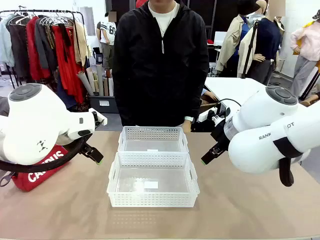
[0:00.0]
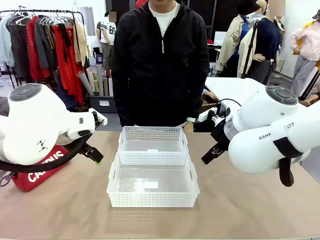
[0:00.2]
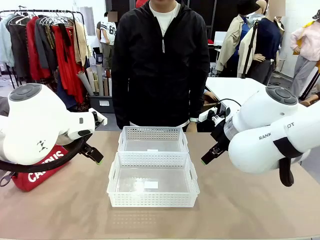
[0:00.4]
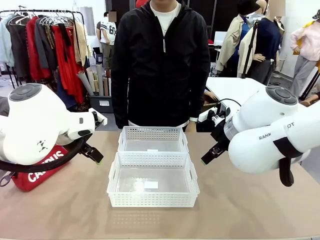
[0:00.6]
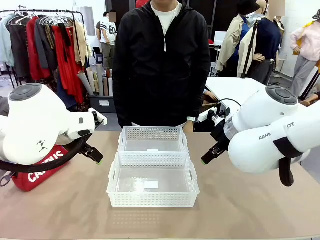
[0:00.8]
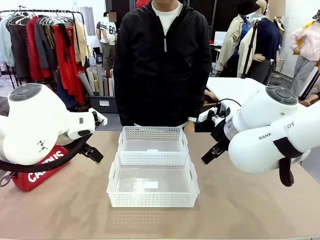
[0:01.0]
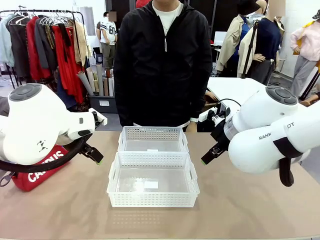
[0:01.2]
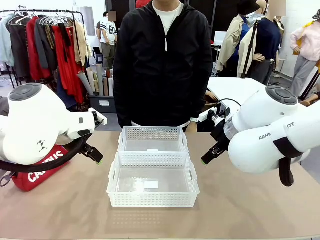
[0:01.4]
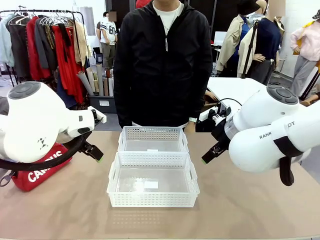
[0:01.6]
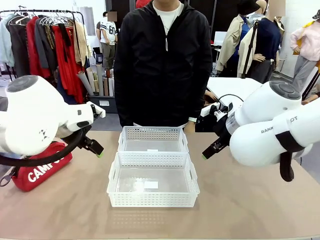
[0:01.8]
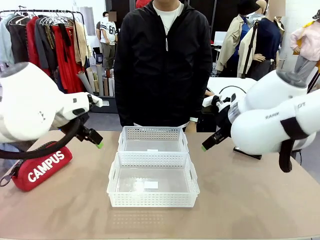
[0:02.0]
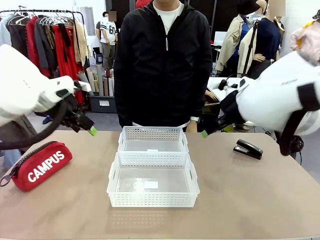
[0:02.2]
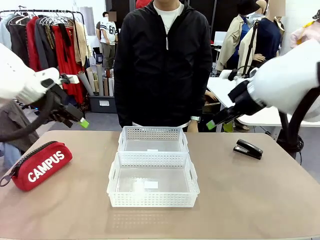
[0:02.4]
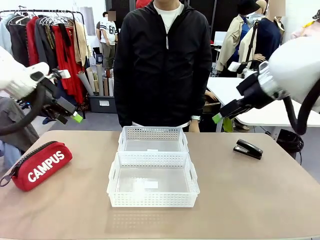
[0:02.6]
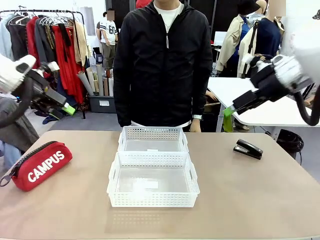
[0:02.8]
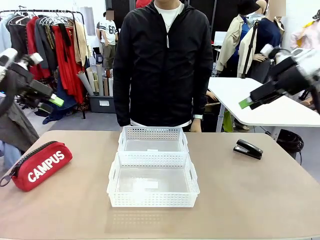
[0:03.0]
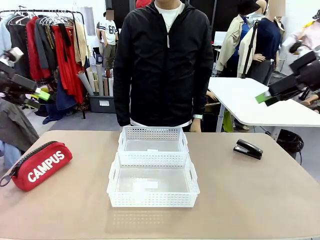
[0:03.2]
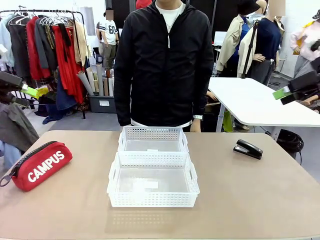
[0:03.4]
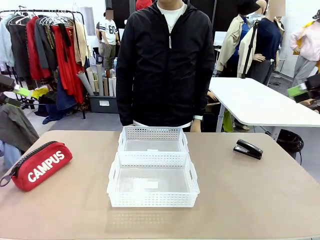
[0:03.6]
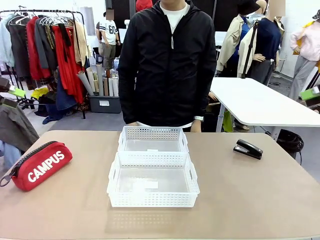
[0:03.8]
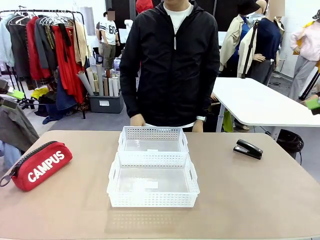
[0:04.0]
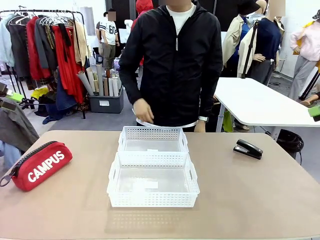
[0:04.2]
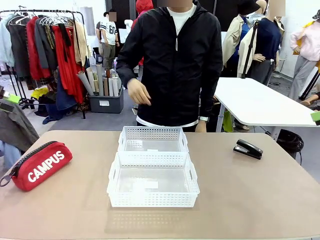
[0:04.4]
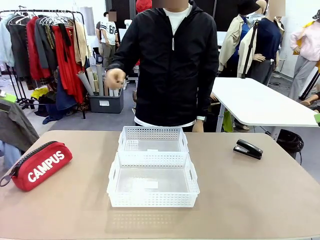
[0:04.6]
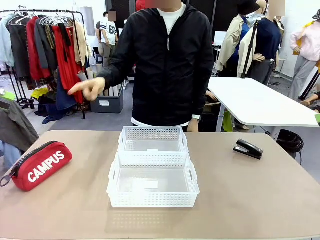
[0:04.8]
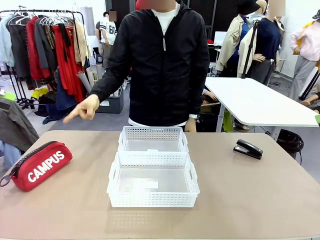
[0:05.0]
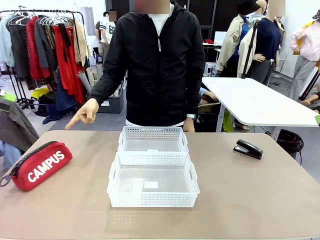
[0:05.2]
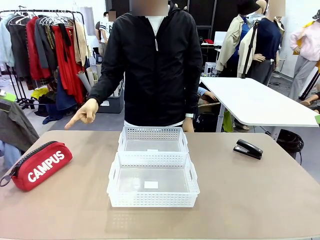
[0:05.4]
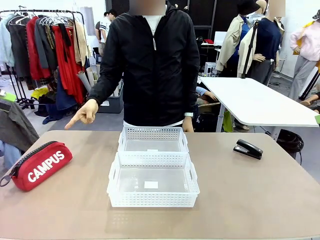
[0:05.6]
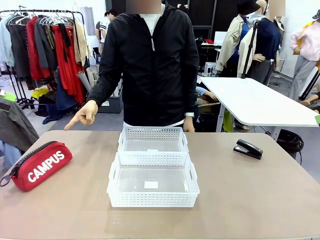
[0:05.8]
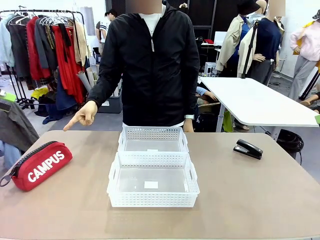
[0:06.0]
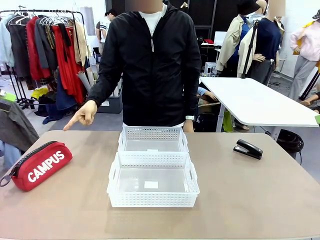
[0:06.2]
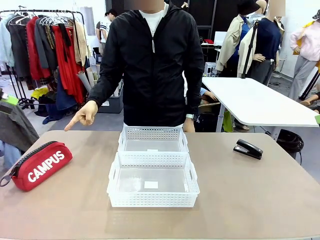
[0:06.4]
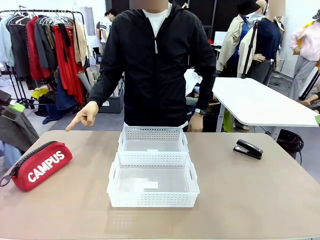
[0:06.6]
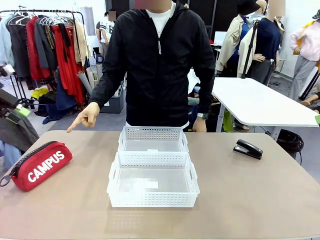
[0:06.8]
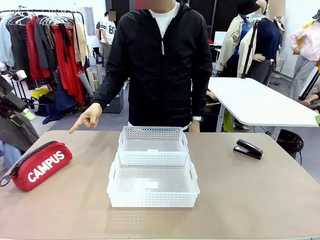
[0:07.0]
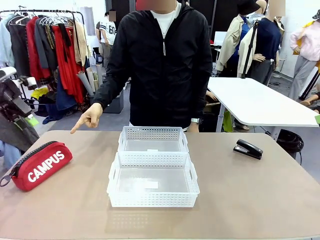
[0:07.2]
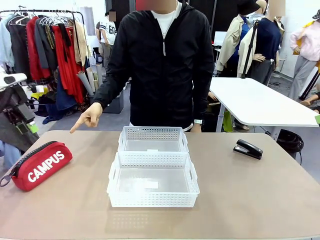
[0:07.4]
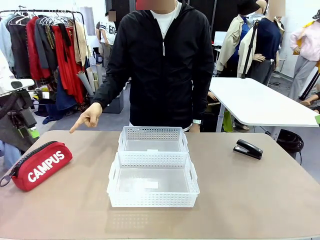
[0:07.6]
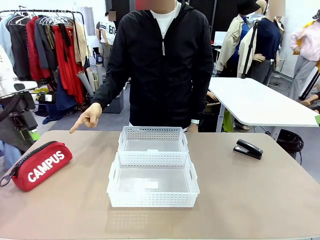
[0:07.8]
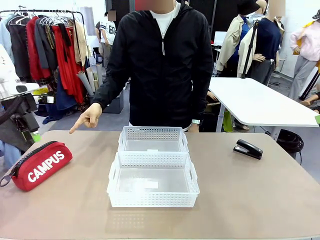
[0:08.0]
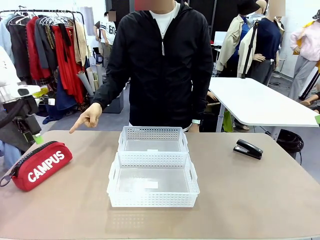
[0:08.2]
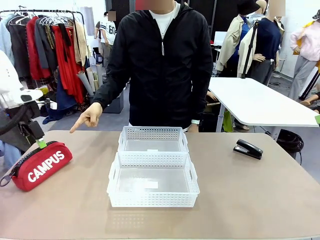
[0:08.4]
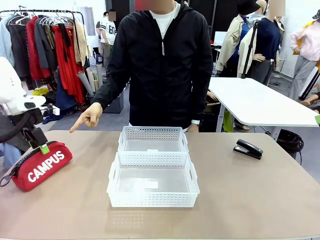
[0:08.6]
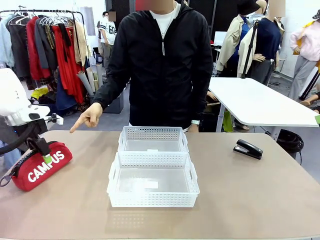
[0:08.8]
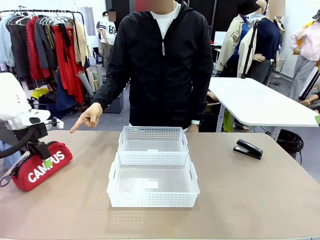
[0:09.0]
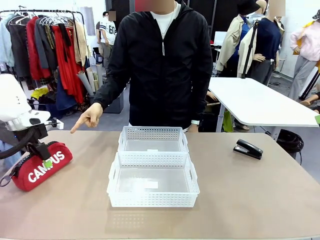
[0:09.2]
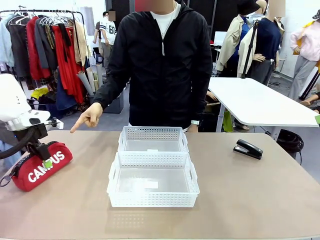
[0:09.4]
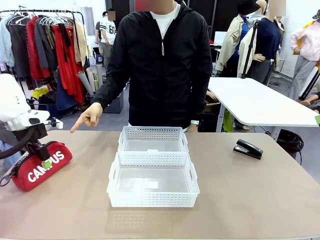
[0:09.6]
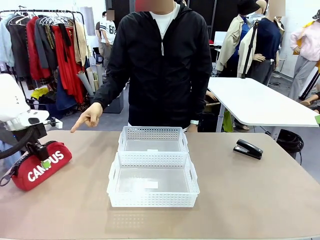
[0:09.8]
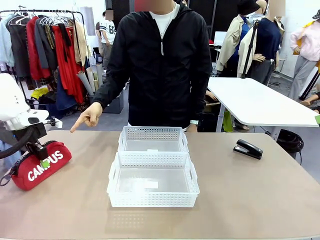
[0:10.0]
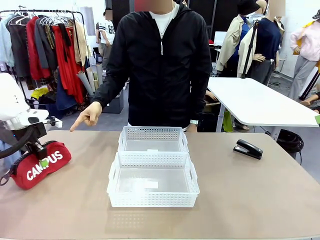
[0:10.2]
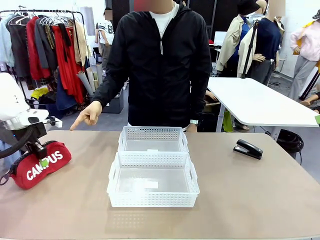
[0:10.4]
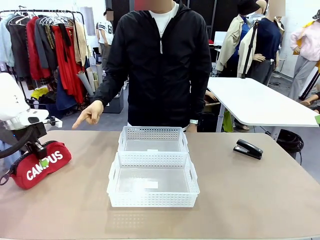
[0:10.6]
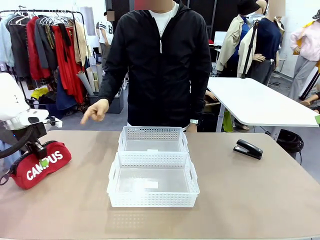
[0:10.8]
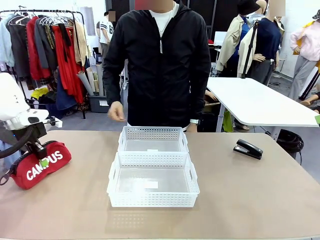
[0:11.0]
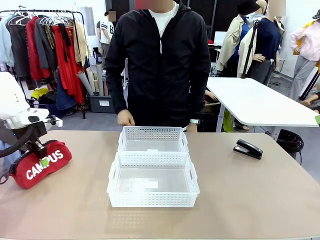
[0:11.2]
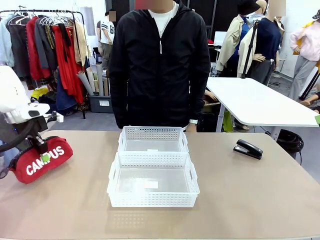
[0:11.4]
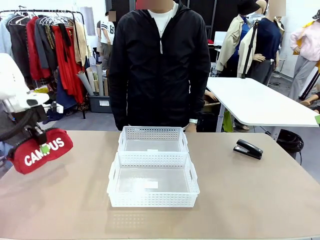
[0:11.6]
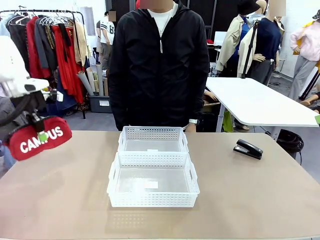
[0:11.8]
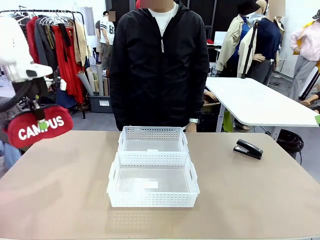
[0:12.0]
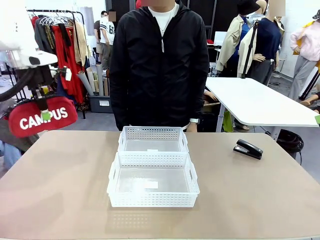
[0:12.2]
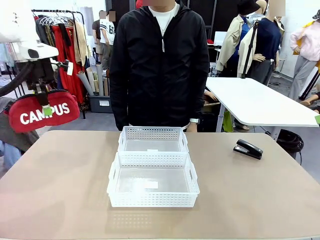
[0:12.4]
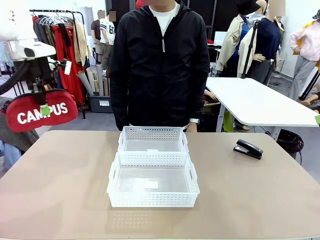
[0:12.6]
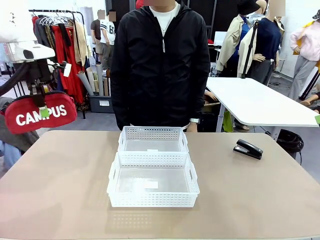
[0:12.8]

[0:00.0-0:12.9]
Task: Distribute items into two baskets.
Robot: Pick up the Pencil pouch that the person points to.
Person: Points to the pencil case. Points between the two organizing baskets and instructs the robot to move the pencil case.

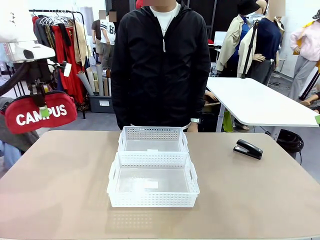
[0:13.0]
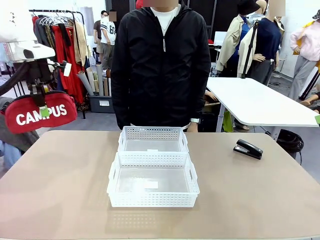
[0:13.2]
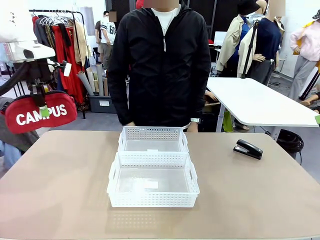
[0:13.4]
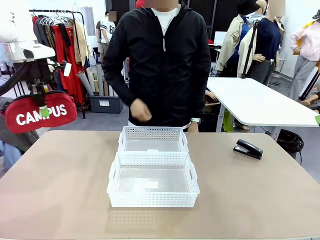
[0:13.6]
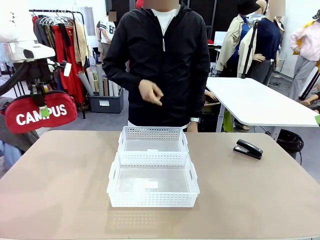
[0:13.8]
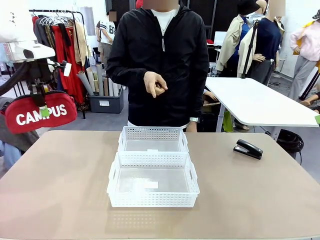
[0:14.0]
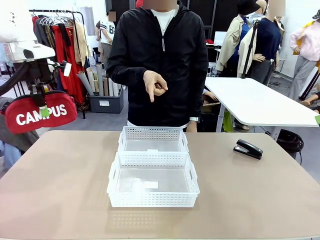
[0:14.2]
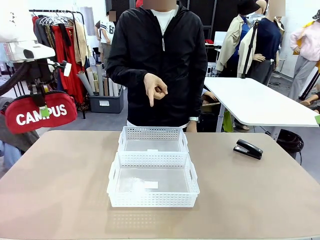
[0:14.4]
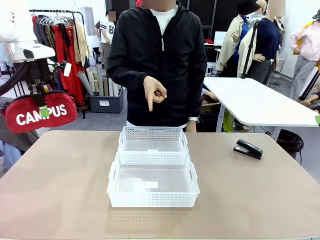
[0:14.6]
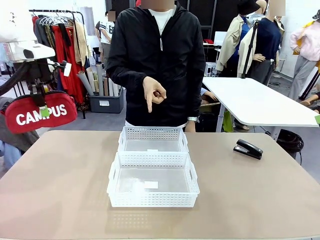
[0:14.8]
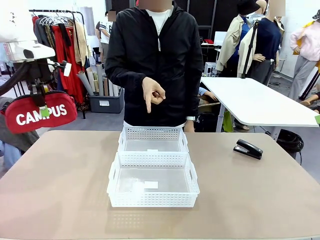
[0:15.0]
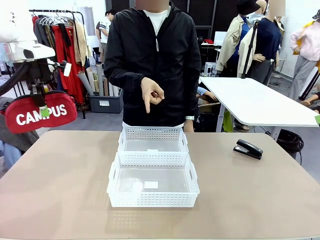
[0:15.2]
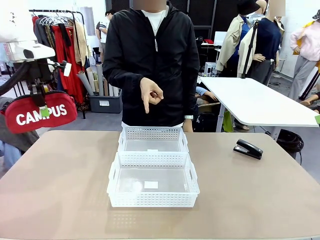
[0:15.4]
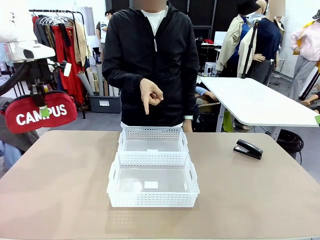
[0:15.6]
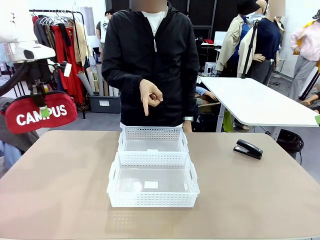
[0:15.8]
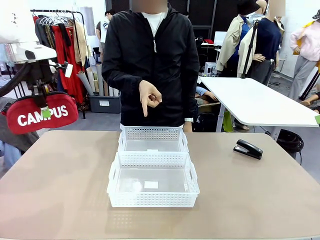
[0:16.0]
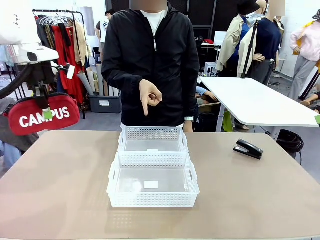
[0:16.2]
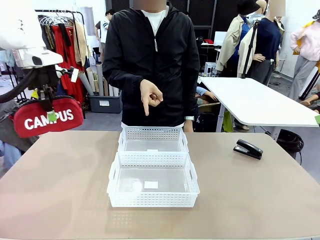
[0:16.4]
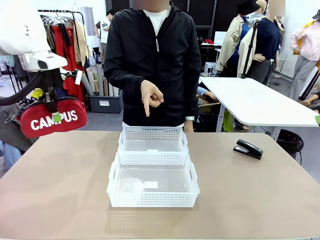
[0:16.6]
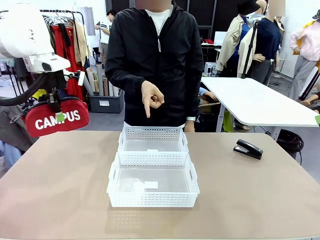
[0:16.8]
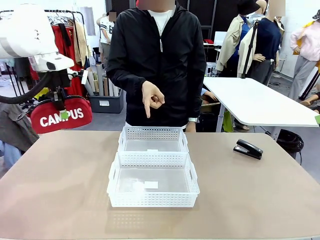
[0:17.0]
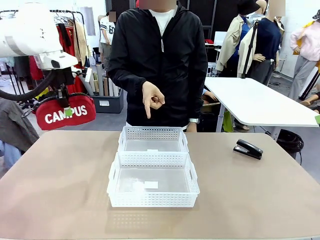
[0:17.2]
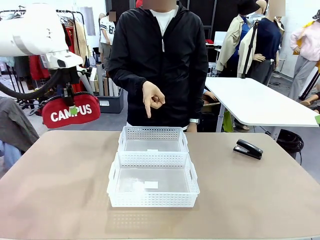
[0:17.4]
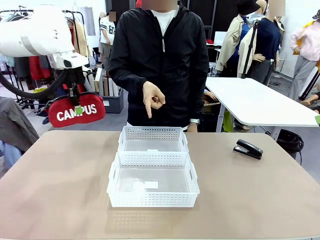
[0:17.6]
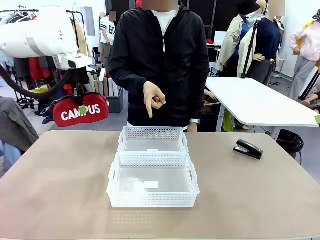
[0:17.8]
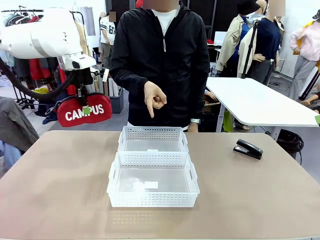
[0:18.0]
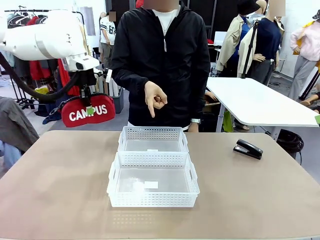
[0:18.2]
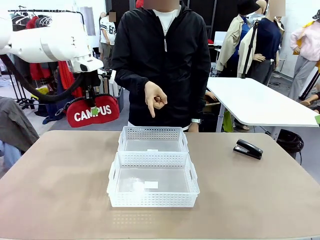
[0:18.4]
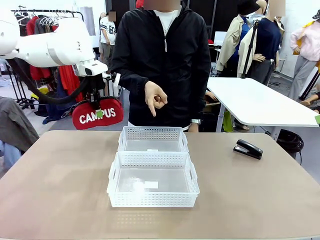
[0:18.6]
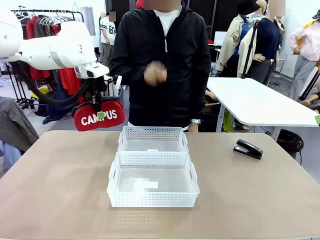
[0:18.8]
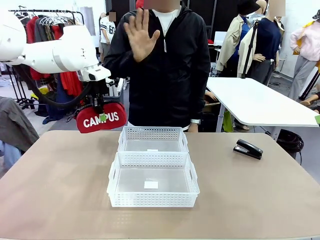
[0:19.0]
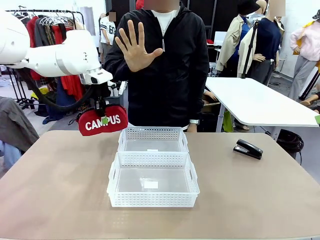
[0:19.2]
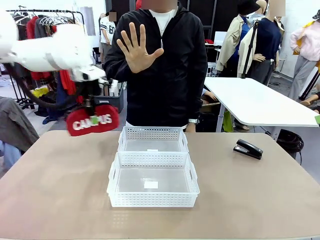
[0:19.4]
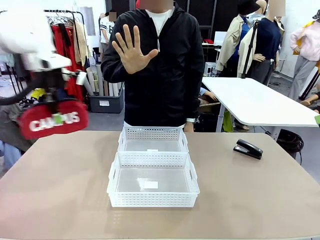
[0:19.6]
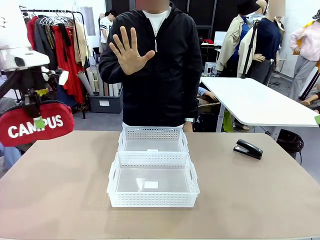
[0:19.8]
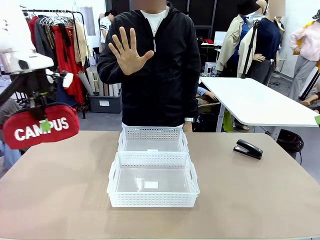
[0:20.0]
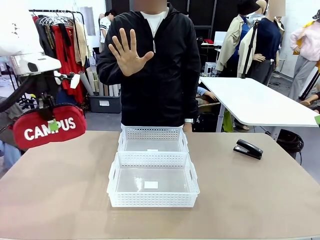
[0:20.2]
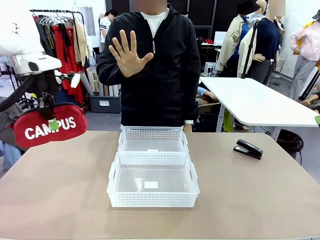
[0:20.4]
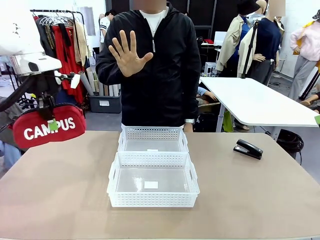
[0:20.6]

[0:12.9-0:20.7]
Robot: Move the picked Pencil pouch towards the Organizing basket indicated by the person, stopping as directed.
Person: Sends a stop gesture before the robot places the pencil case into the basket.
